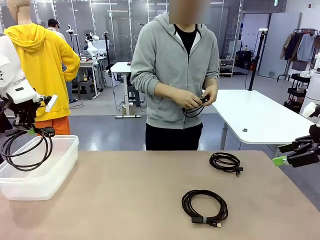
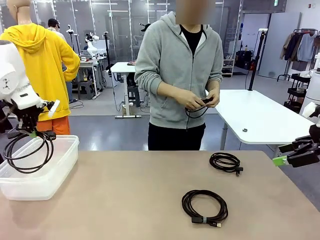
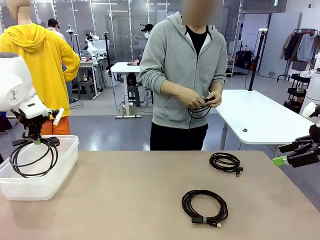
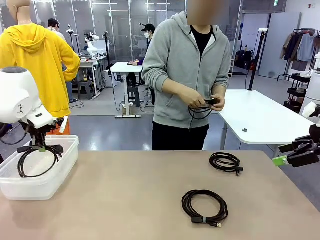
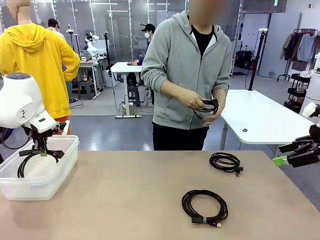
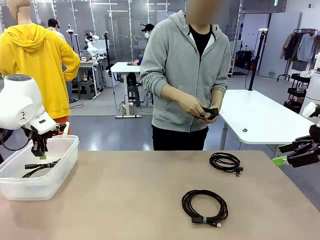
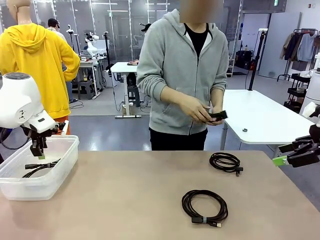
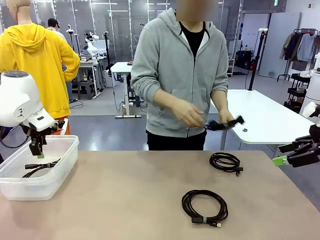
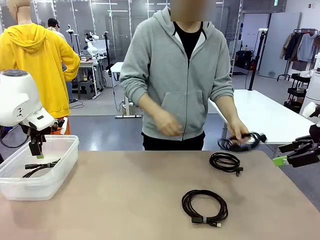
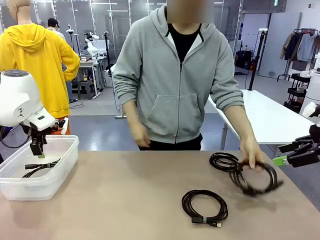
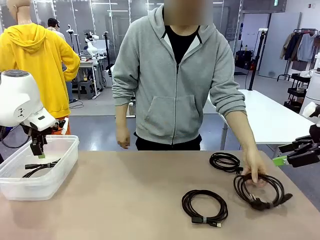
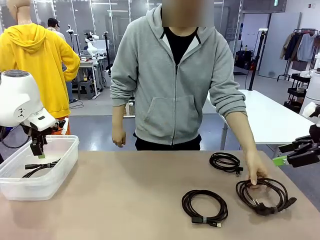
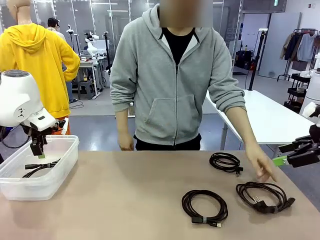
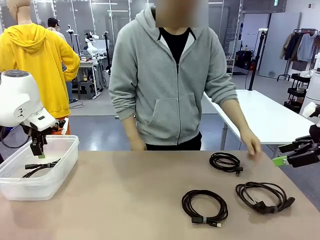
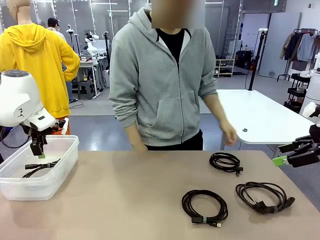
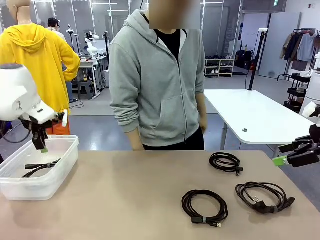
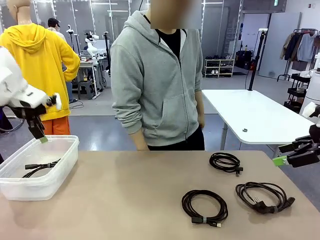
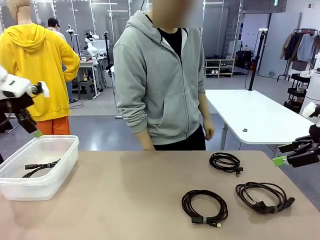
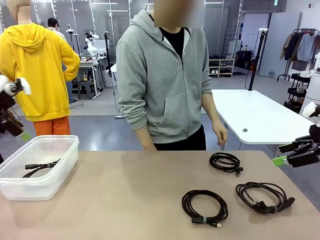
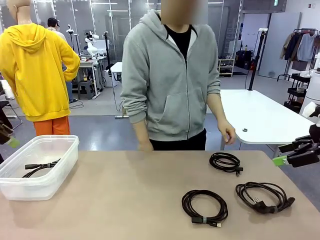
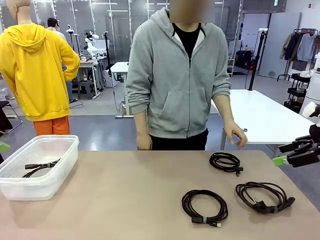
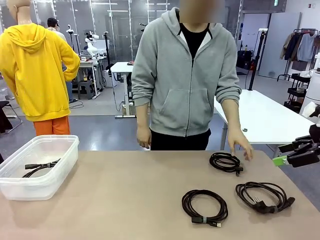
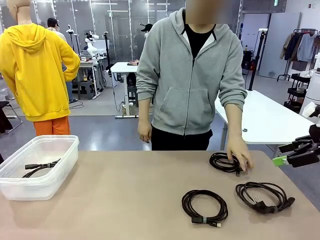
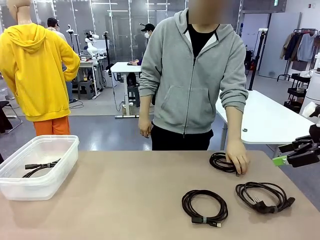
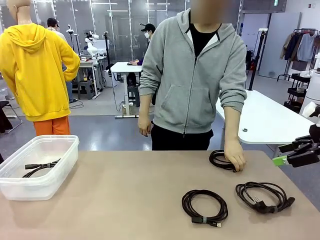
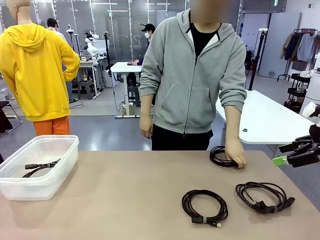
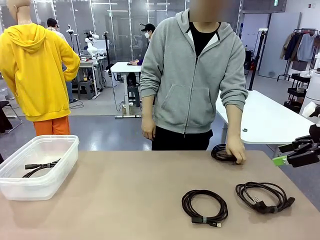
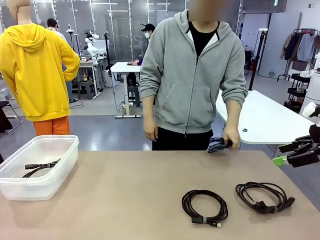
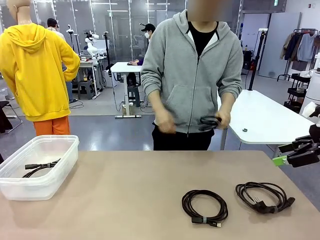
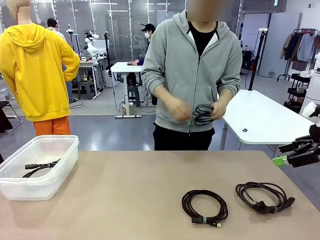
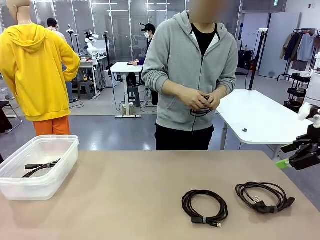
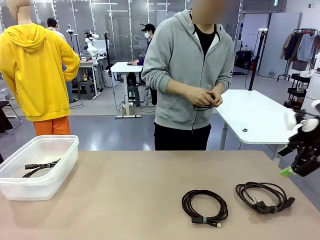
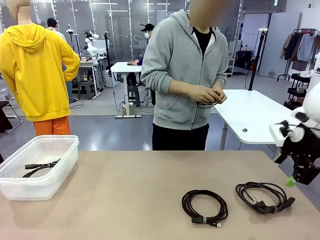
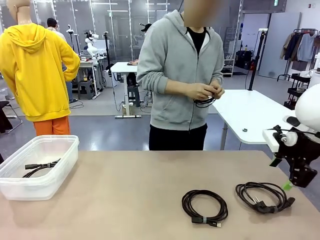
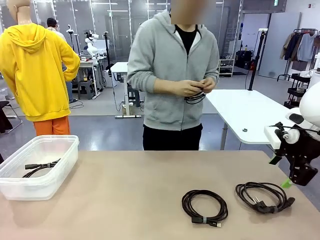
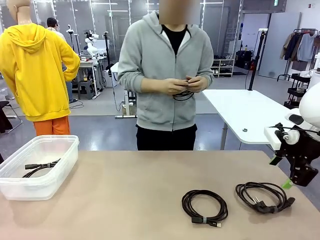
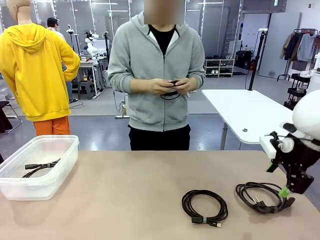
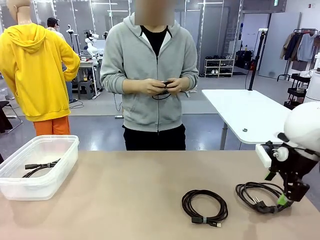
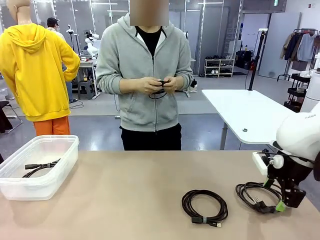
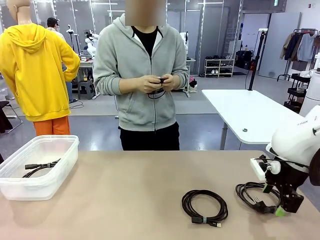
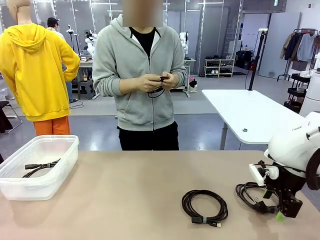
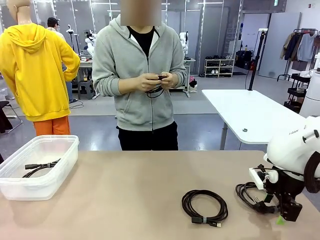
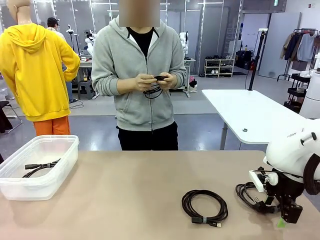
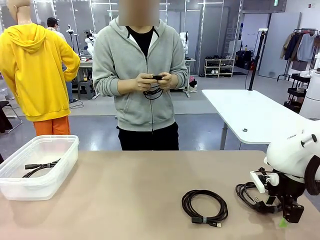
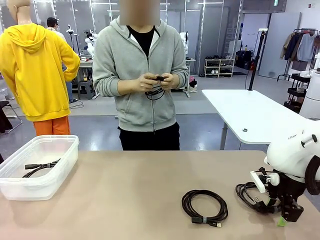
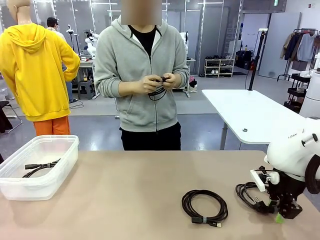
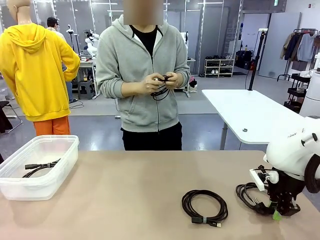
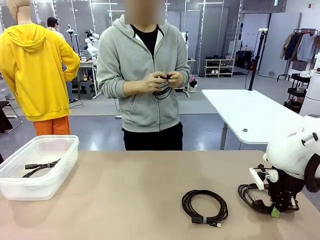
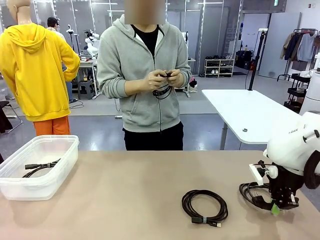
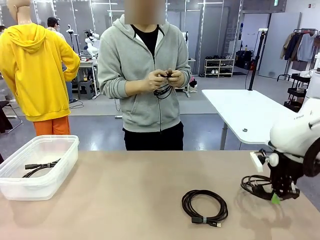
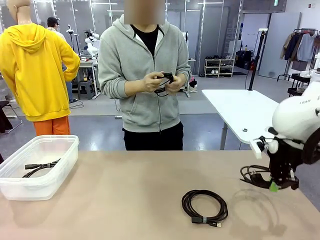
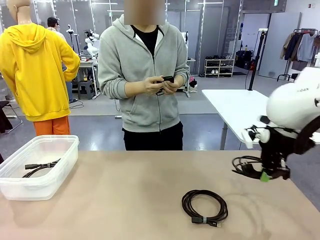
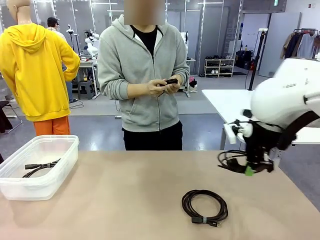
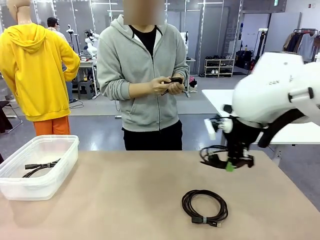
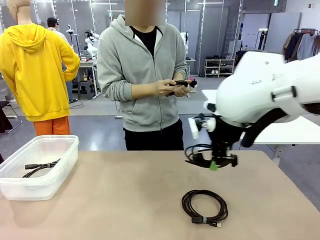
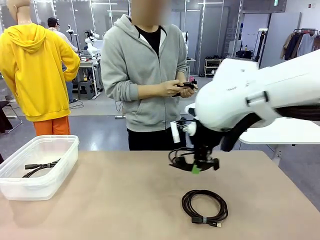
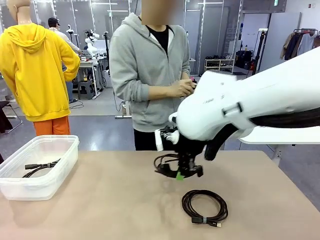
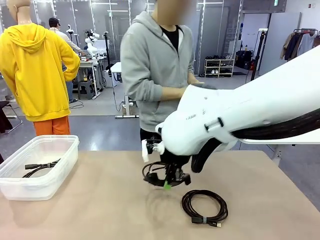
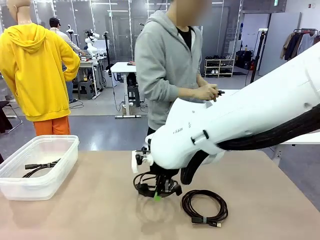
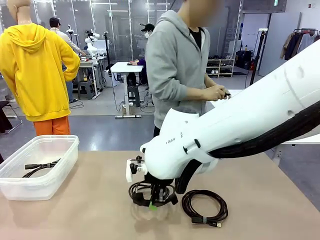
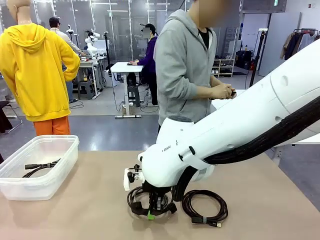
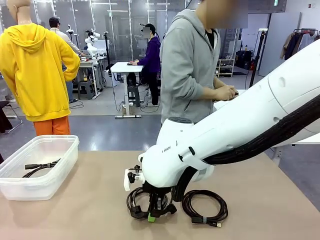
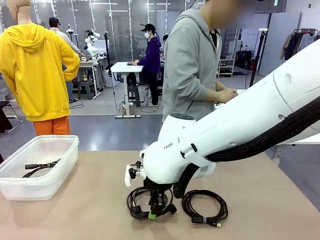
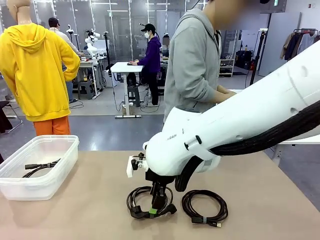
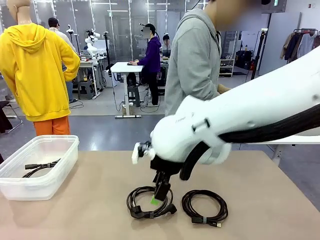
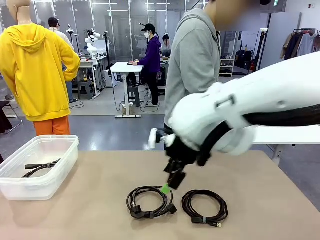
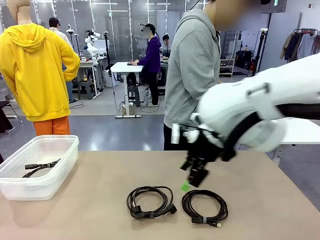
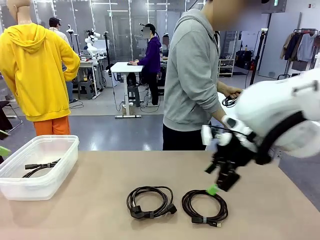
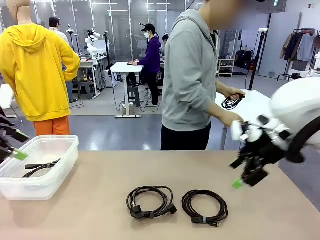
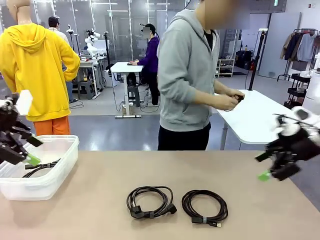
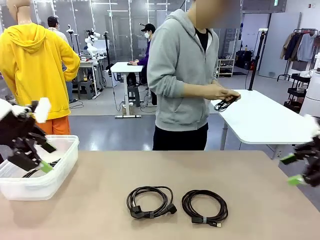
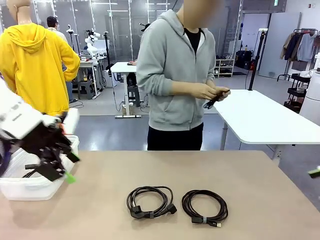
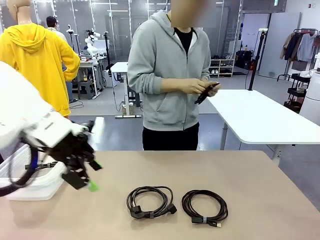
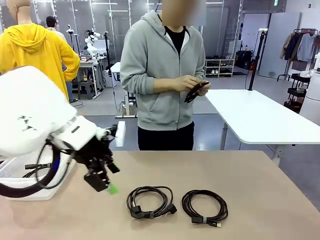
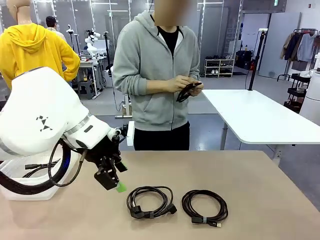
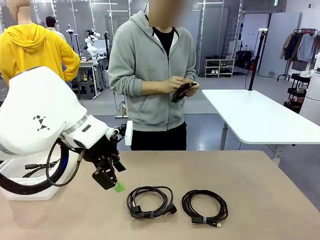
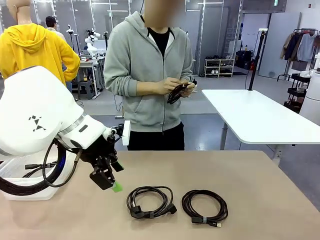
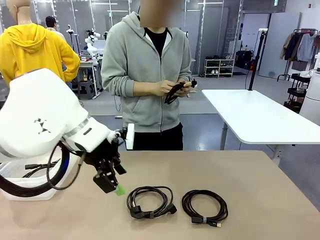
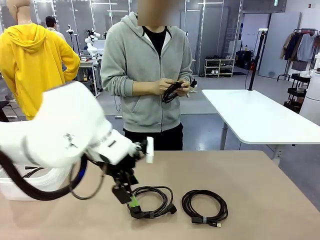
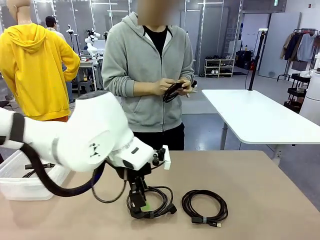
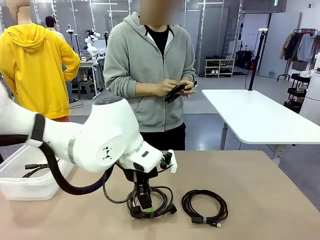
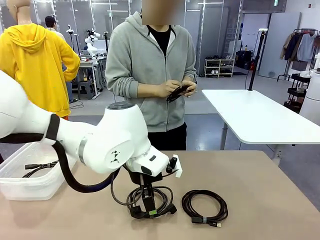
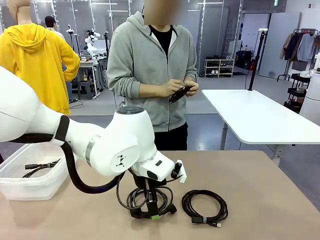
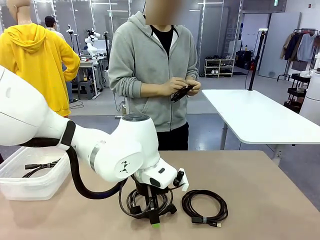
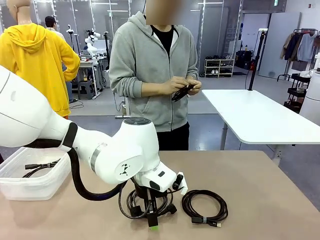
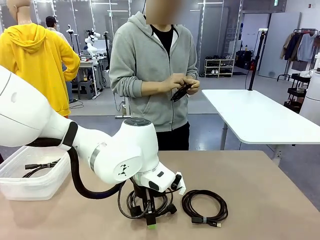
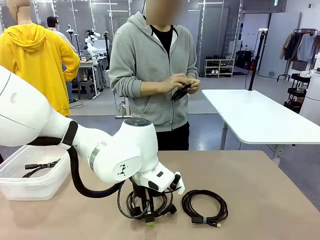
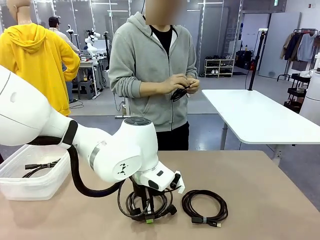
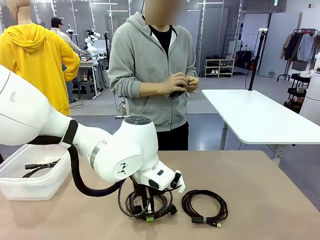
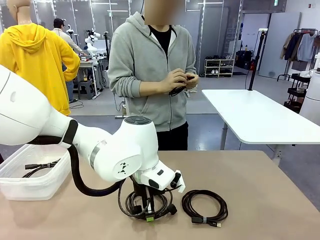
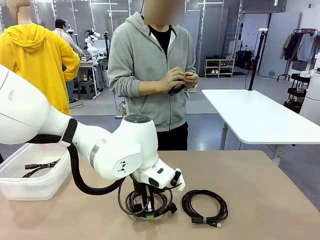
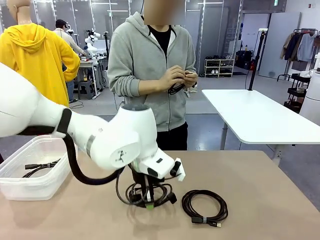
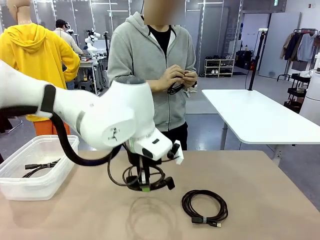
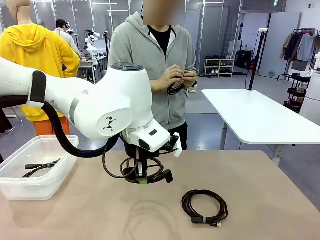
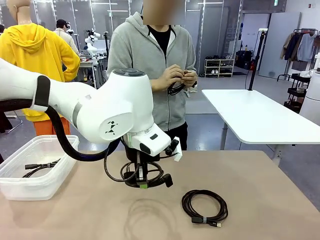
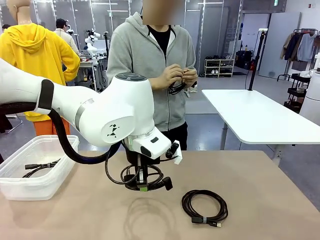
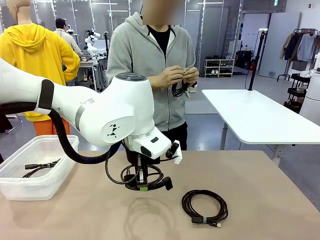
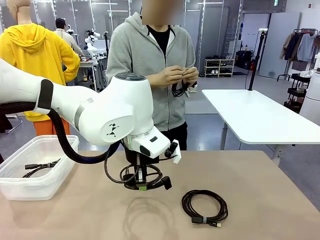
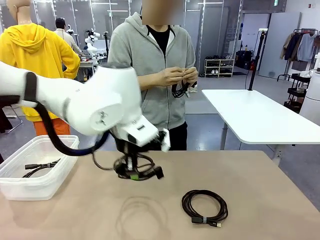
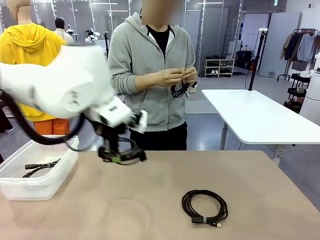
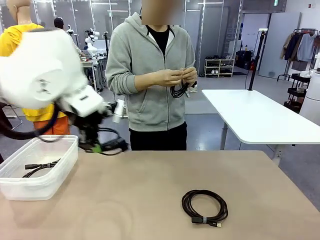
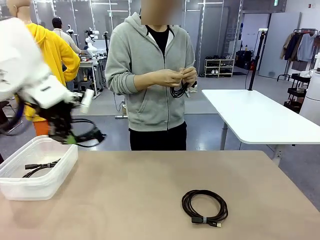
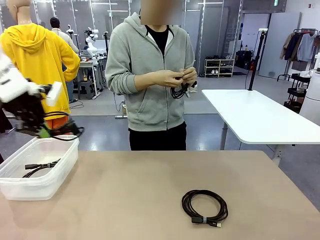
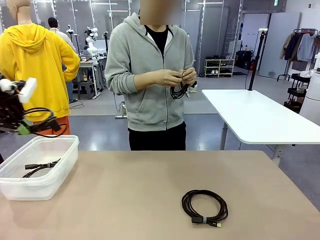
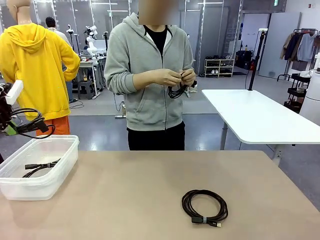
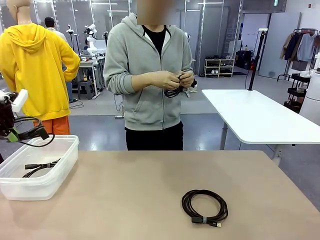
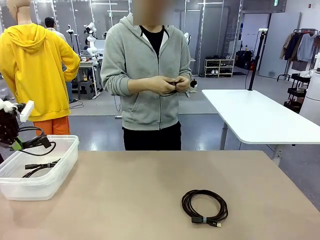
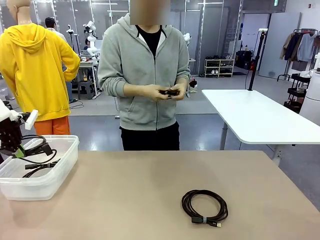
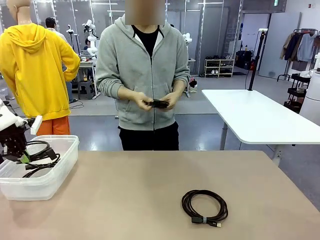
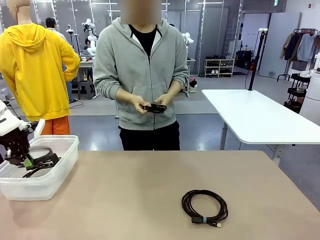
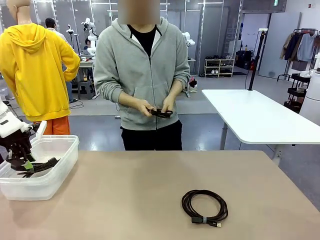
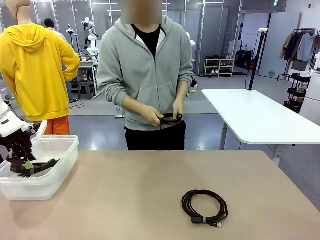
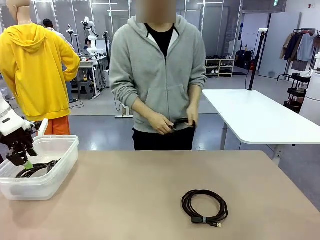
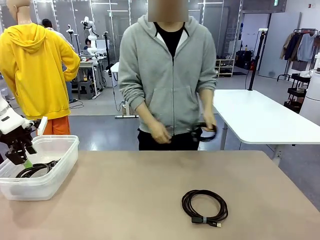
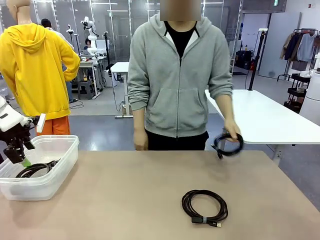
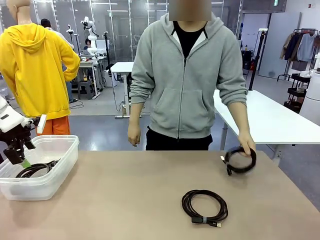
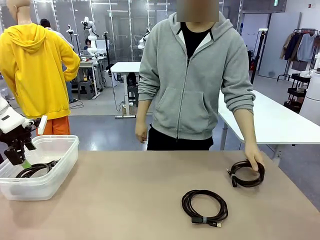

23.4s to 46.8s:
Task: Organize and store the cables.
Robot: Place the Power Cable into the Organizing box.
